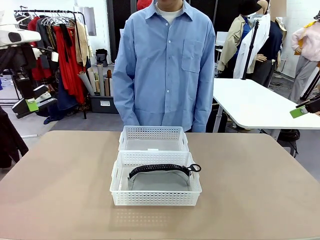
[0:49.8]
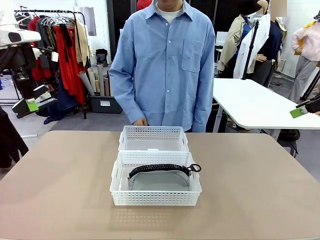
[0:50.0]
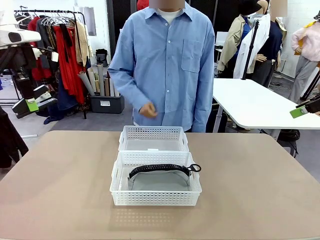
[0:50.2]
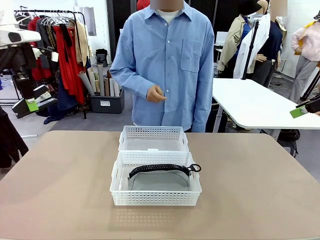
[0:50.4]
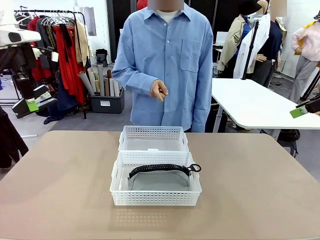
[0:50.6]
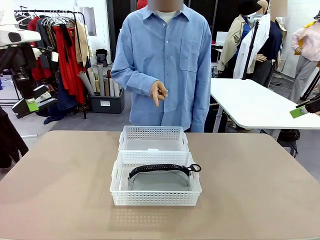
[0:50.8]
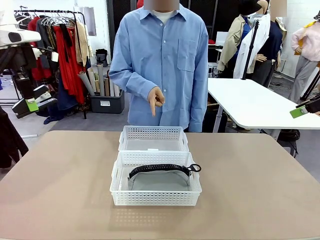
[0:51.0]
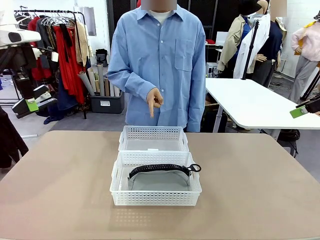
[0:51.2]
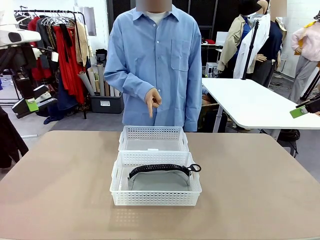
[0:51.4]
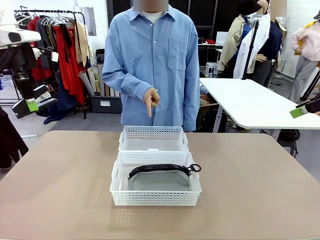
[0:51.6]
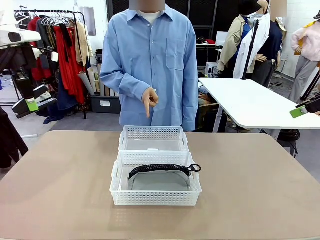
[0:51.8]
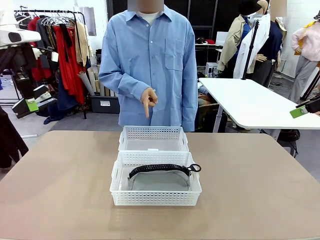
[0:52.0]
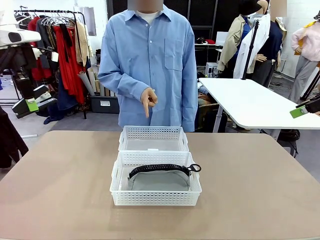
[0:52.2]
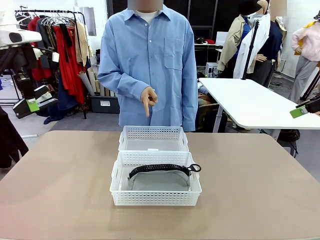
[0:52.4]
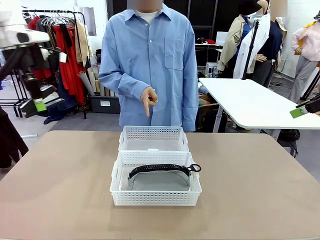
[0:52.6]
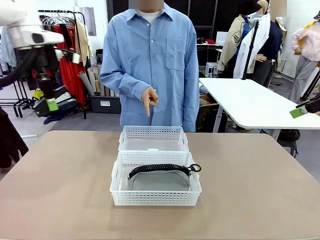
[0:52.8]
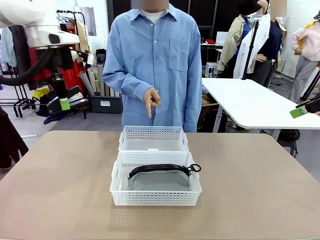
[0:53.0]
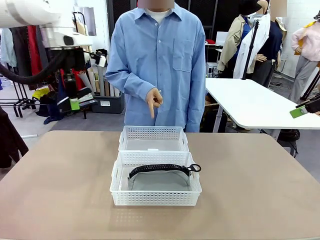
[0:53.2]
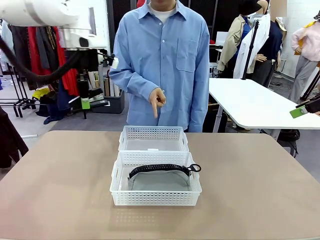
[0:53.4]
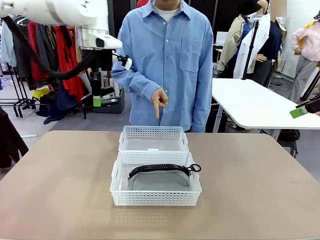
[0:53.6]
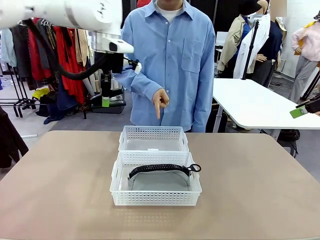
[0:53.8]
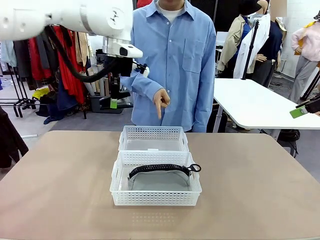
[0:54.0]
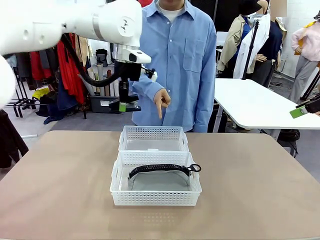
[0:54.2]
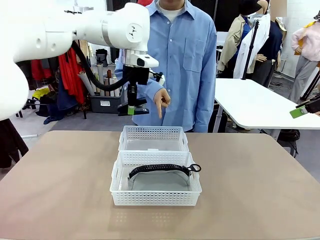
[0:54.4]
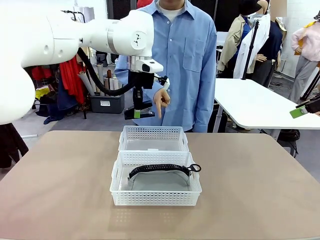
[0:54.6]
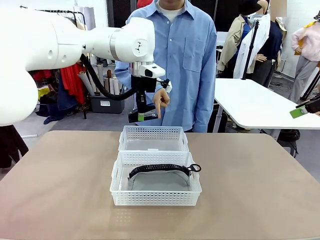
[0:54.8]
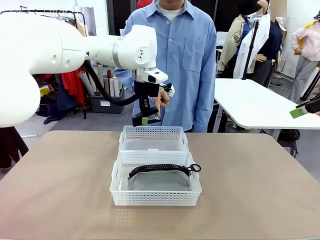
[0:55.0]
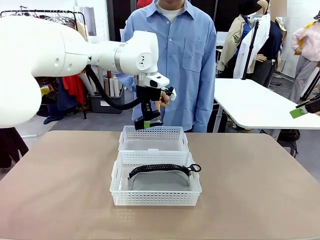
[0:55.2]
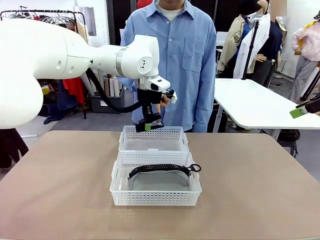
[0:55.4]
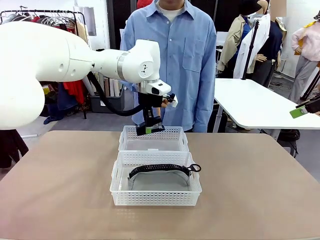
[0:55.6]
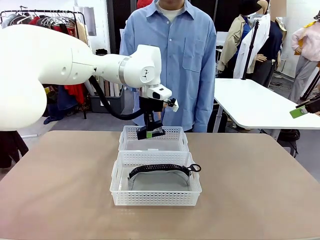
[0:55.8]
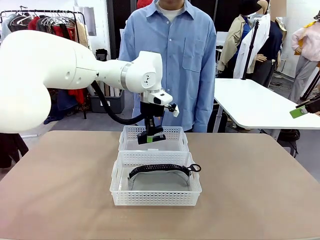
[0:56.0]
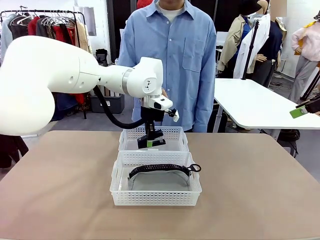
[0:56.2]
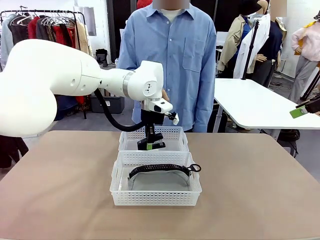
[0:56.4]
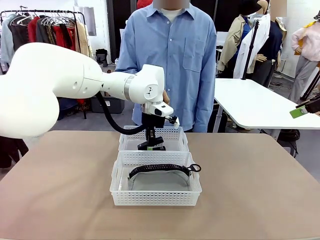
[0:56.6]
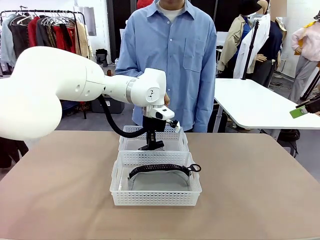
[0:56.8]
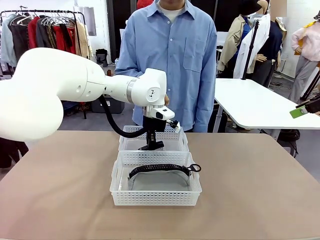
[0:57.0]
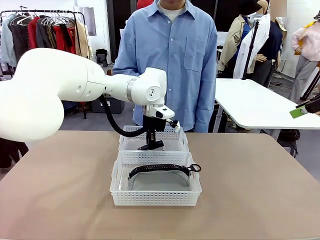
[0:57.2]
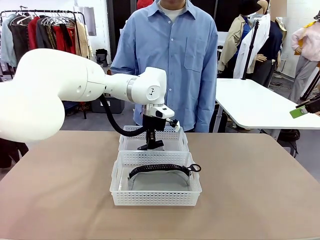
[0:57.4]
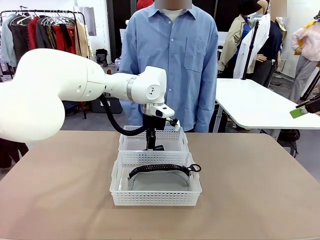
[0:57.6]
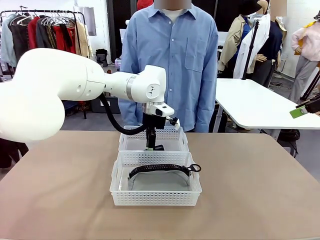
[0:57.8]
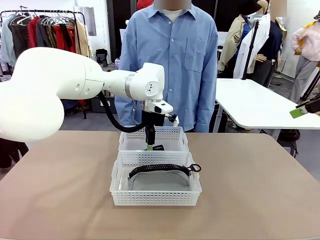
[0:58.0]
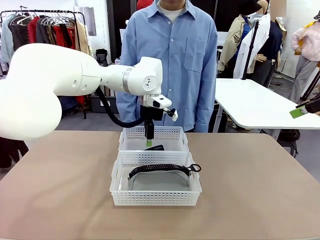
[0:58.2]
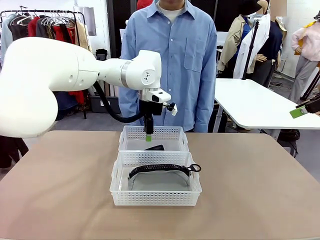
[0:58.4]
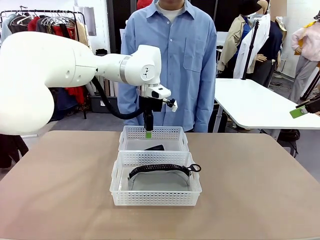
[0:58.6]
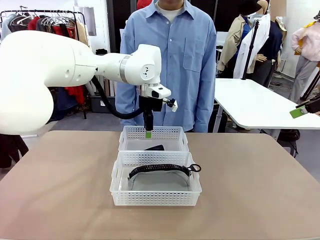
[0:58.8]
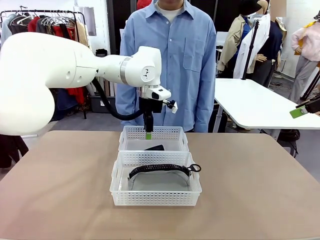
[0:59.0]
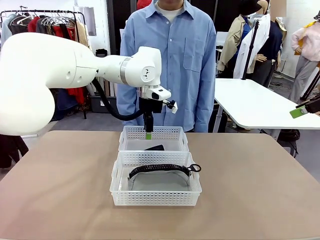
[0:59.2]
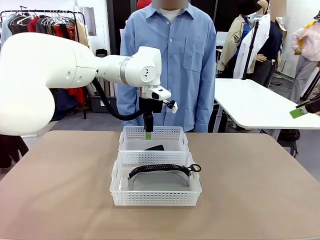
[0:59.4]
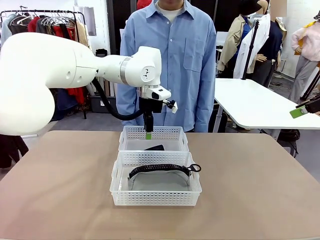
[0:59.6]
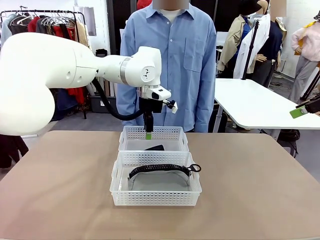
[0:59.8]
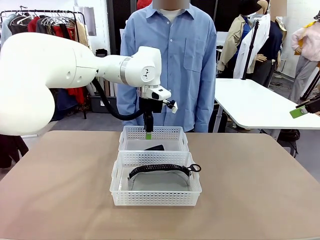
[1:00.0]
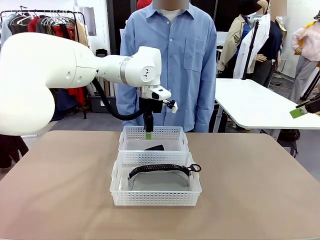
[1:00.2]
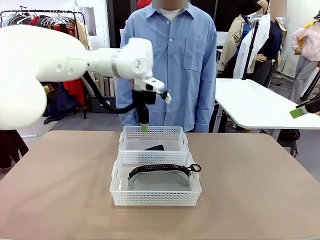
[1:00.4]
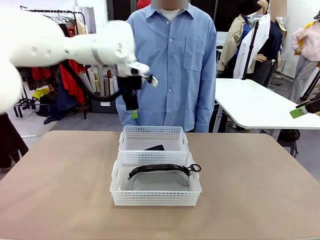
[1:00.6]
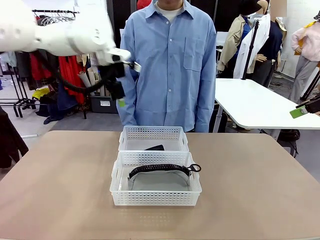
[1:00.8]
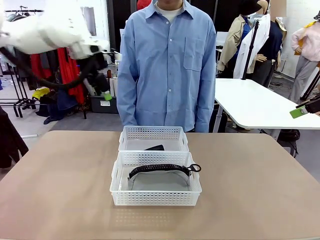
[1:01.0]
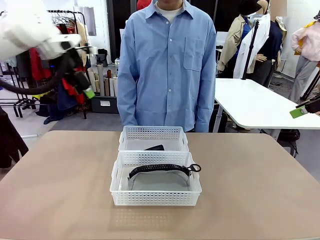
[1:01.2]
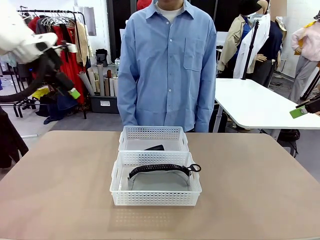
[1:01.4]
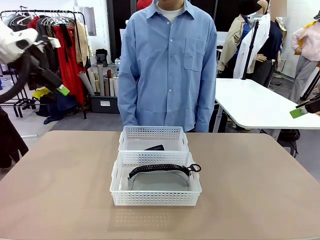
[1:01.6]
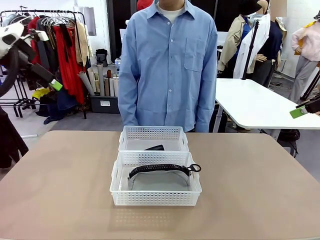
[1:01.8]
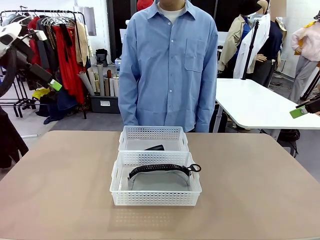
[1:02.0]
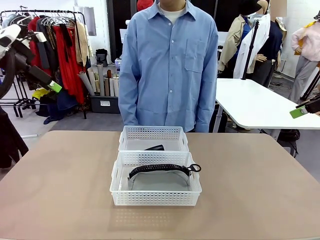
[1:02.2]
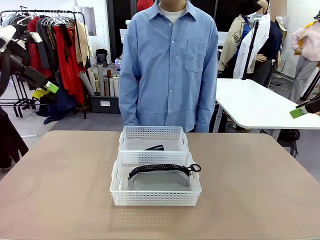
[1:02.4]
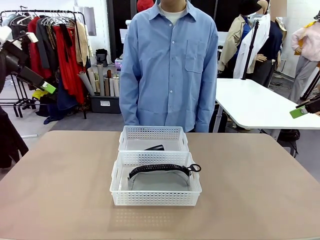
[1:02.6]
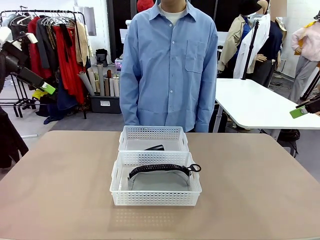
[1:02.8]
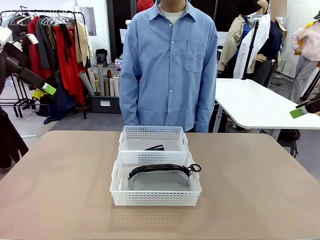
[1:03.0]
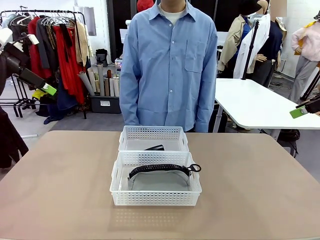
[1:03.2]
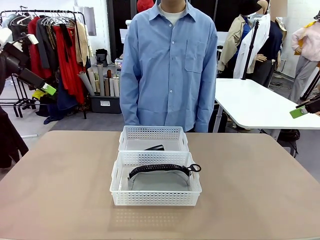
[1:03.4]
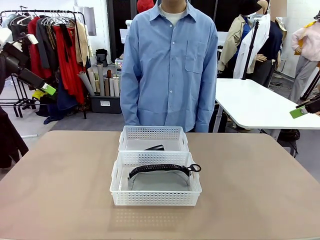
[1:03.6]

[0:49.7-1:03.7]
Task: Distribute items into two baskets.
Robot: Place the picked Stapler into the Organizing basket as instructed by the person.
Person: Points to the basket that does not contain the pencil case and instructs the robot to move the stapler there.
